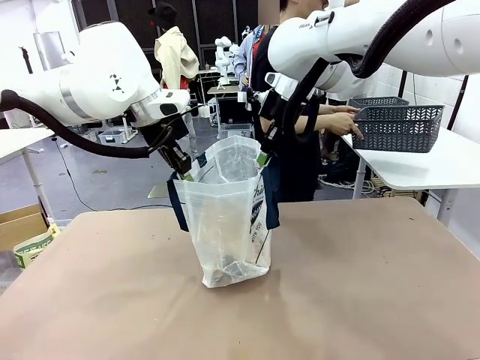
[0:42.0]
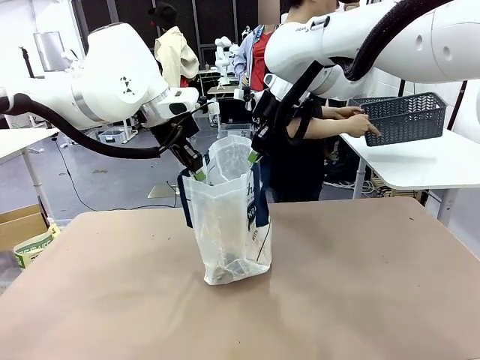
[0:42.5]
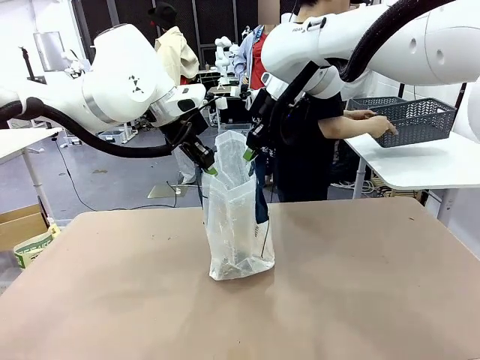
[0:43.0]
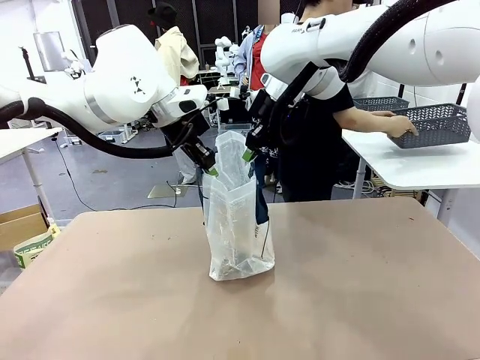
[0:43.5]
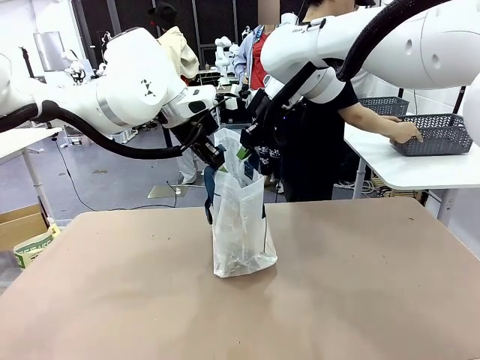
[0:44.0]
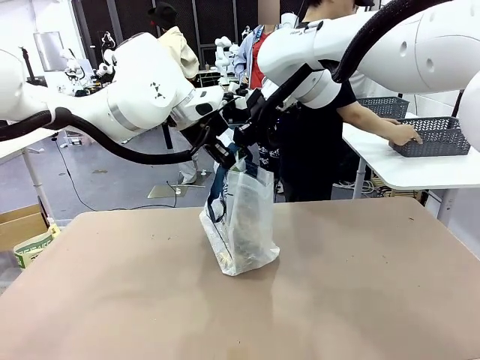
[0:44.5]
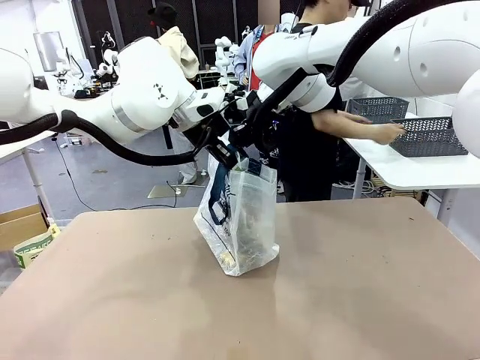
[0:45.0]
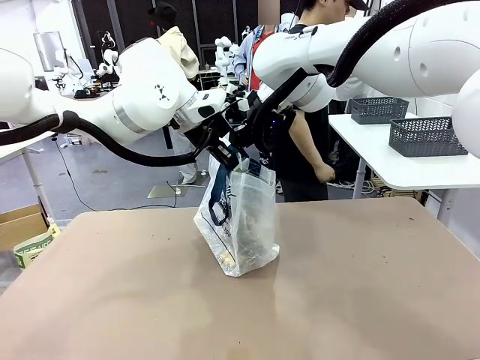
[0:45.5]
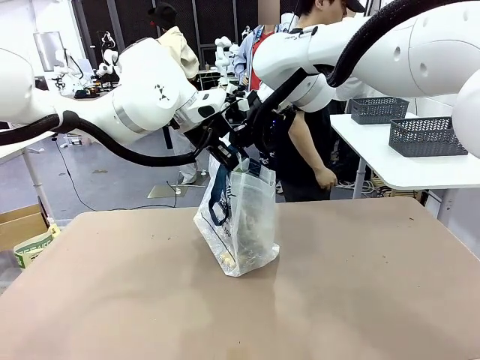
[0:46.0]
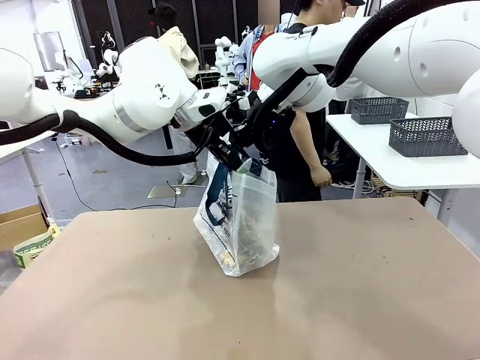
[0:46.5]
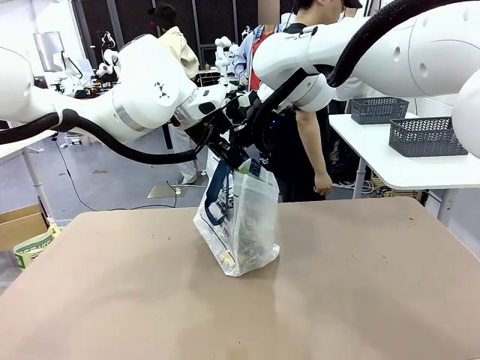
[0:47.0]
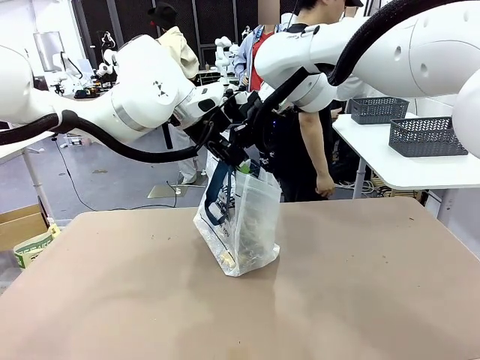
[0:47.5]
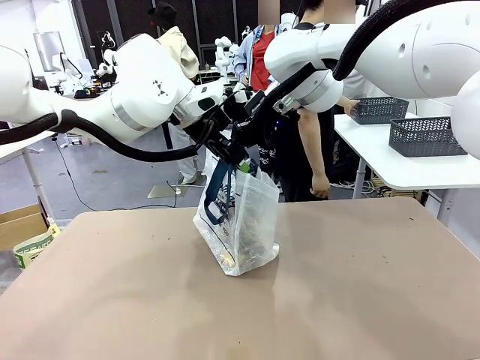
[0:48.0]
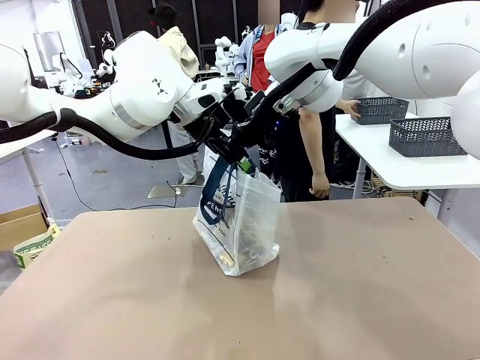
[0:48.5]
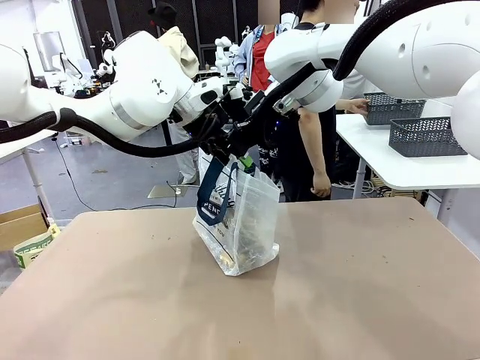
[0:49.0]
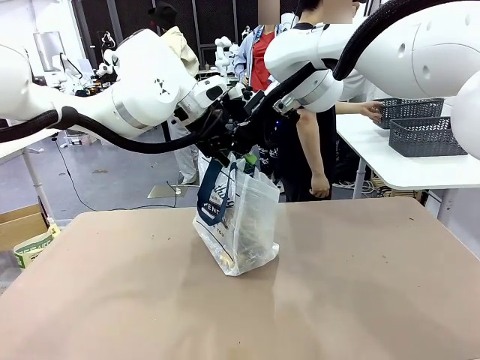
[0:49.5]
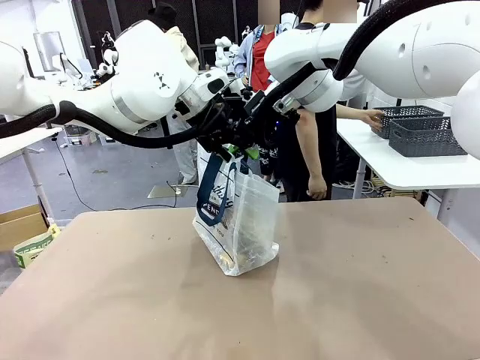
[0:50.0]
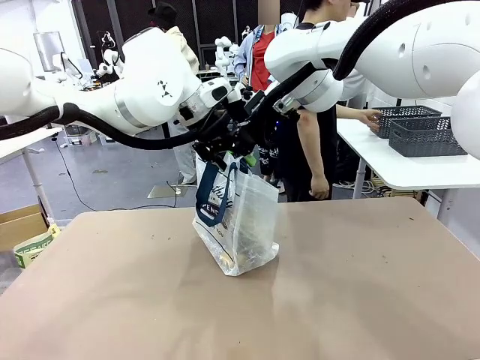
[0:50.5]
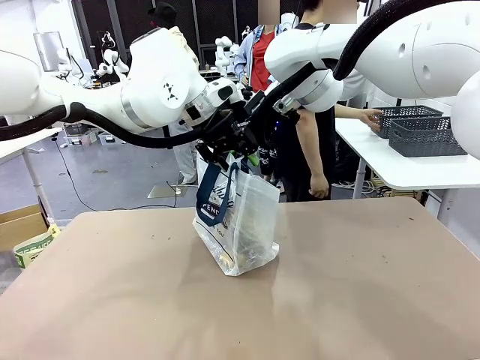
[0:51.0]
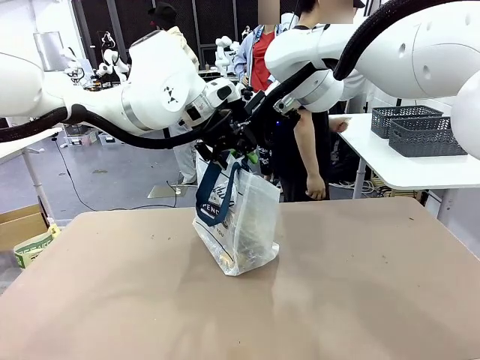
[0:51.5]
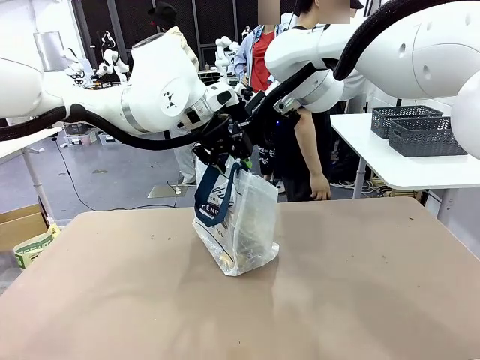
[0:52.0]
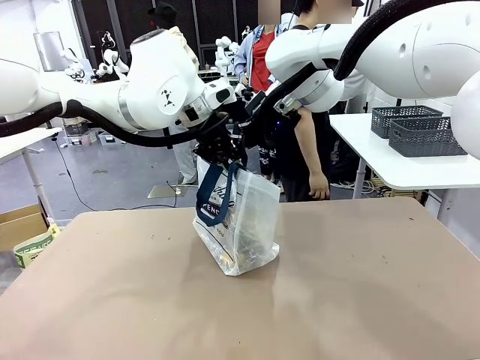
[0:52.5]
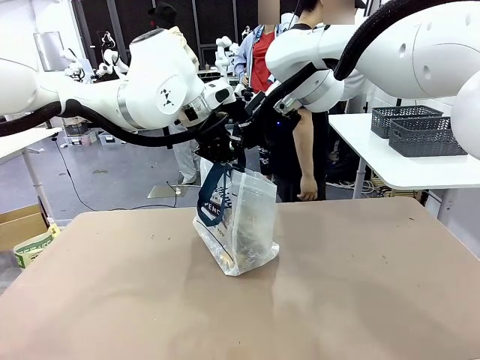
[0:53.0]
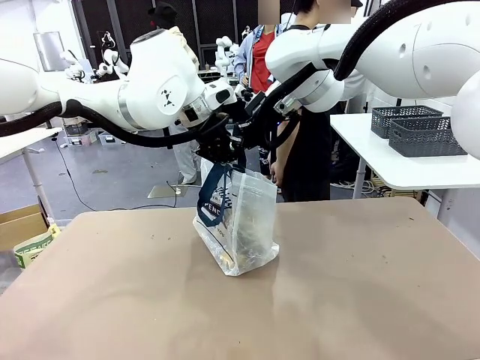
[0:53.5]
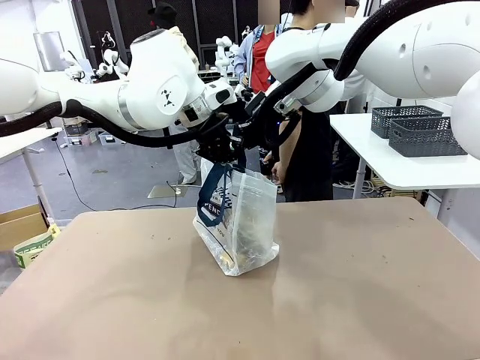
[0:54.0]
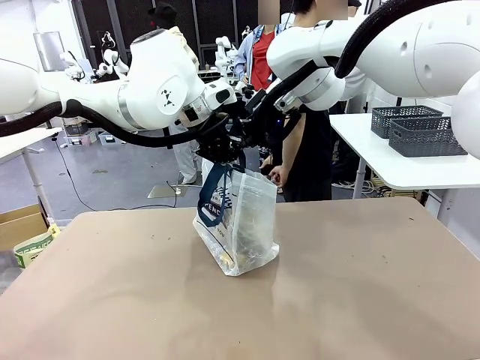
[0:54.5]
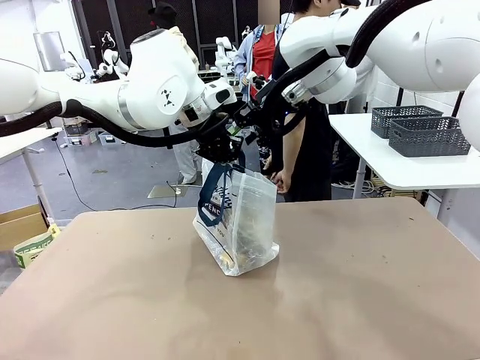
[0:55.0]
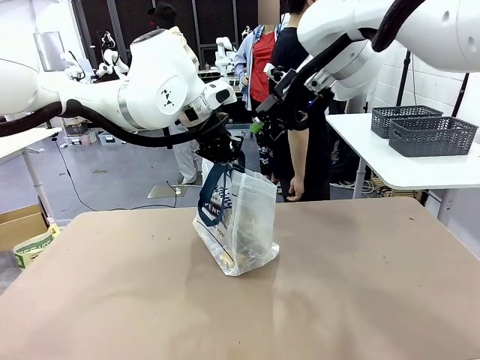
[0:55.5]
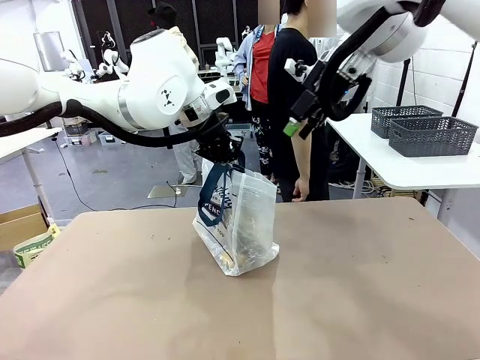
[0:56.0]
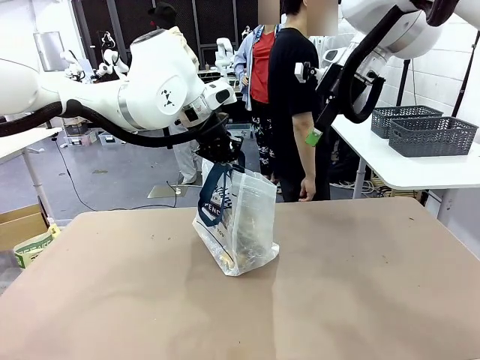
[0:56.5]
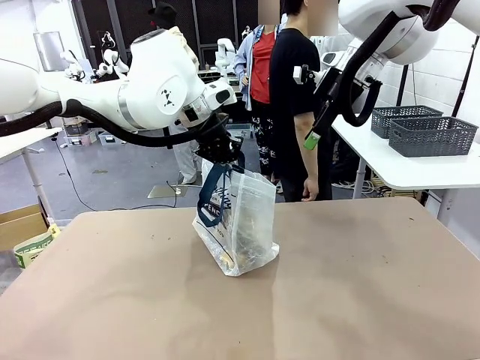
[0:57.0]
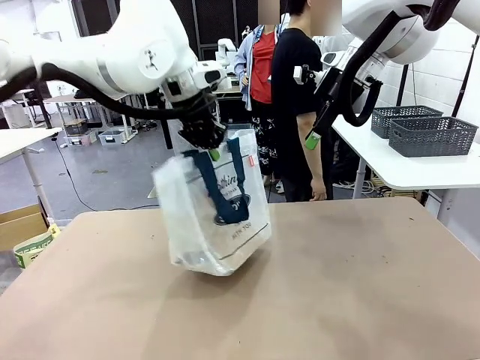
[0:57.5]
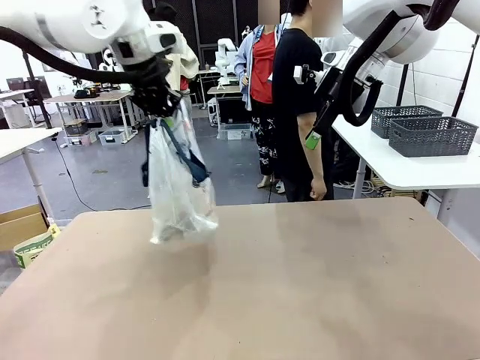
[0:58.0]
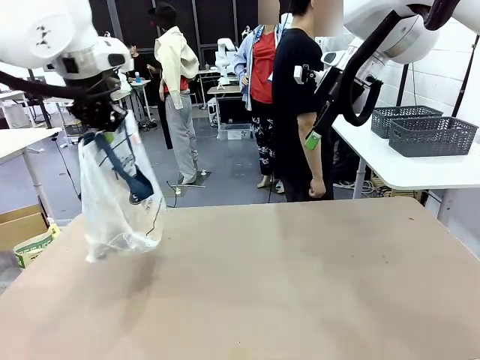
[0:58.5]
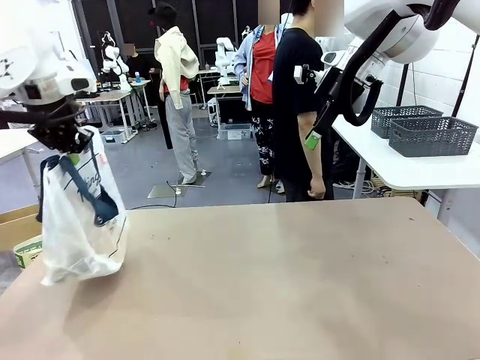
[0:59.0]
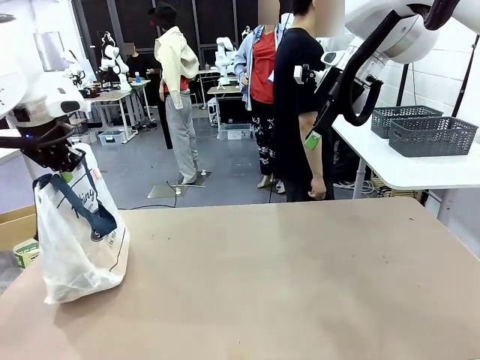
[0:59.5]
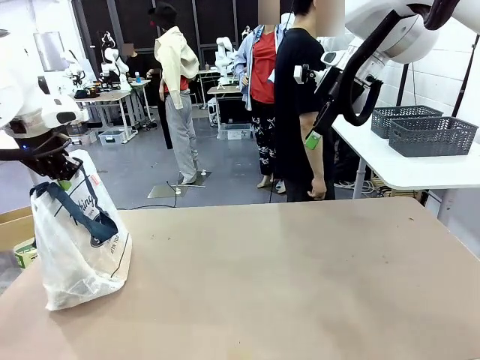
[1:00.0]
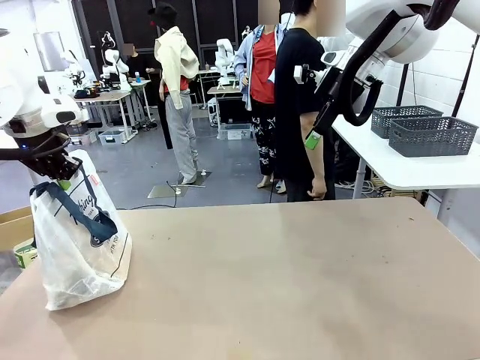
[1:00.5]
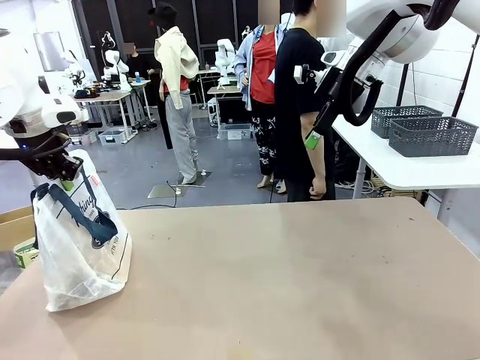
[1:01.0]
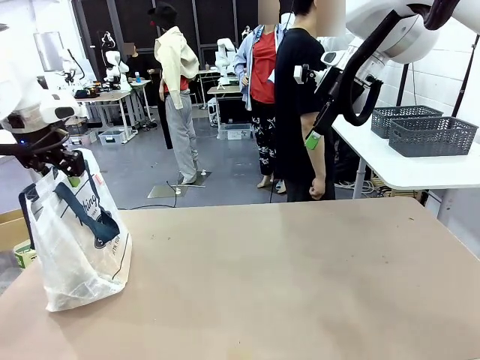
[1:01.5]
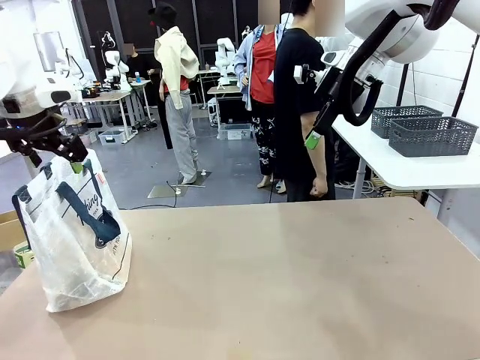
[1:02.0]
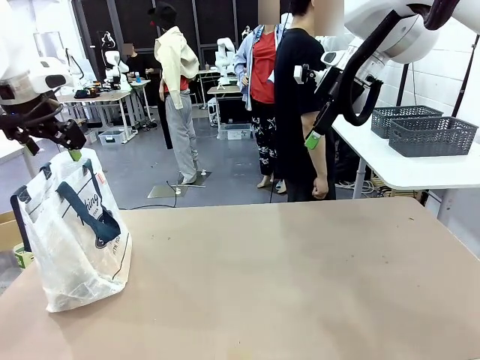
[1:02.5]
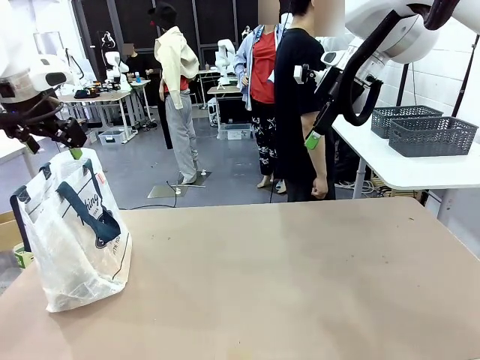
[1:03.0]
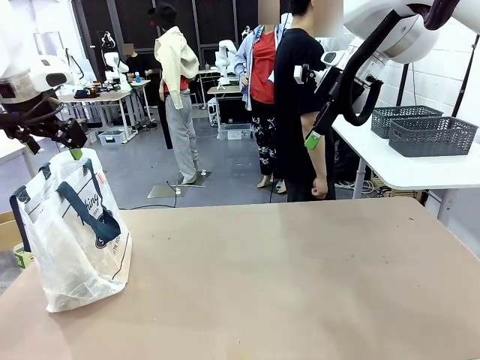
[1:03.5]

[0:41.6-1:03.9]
Task: Transfer purchased items from the store into the shopping bag.
Robot: Move the Reusable shopping bag to the right side of the table.
Person: Move the basket on the left to the middle of the person's table.

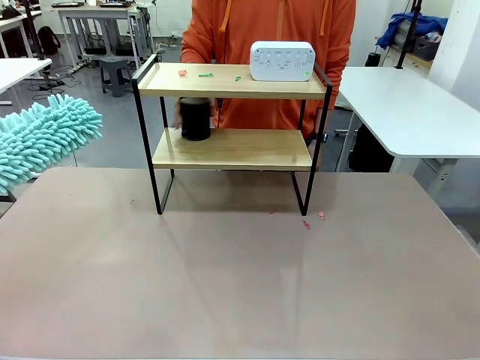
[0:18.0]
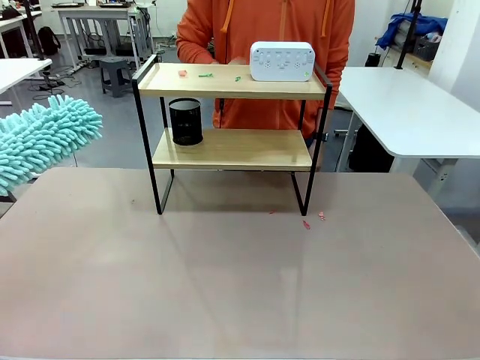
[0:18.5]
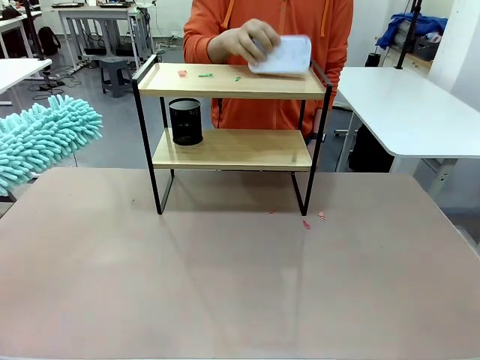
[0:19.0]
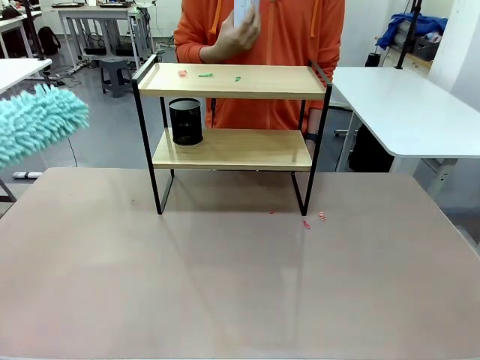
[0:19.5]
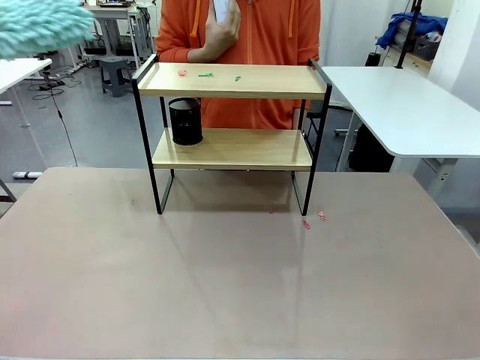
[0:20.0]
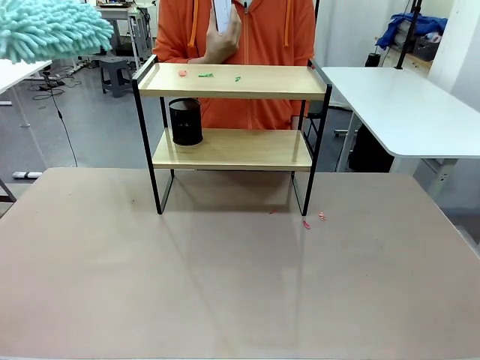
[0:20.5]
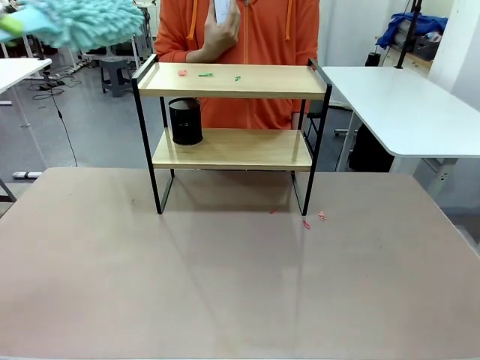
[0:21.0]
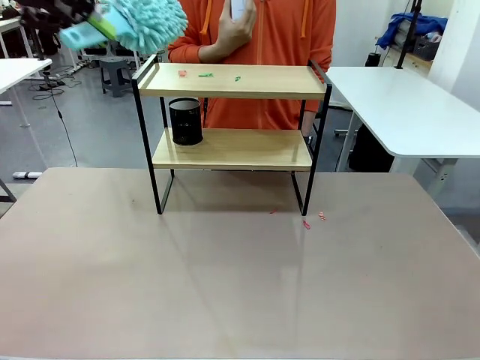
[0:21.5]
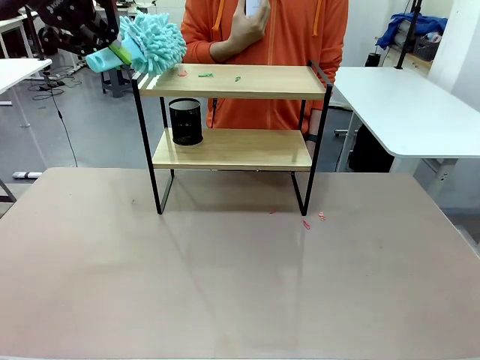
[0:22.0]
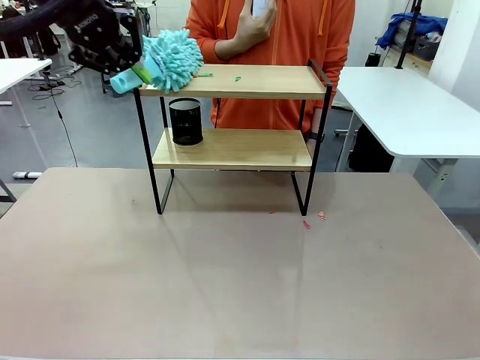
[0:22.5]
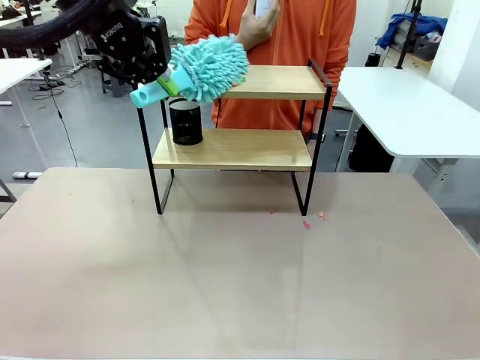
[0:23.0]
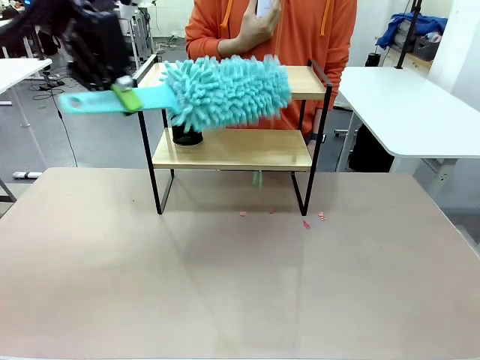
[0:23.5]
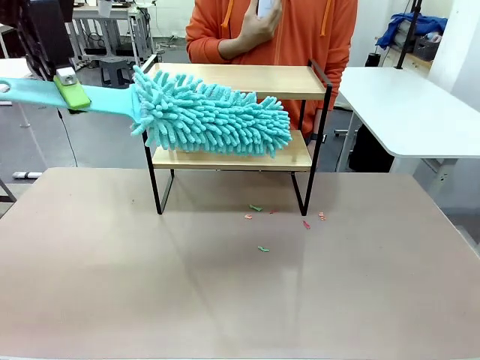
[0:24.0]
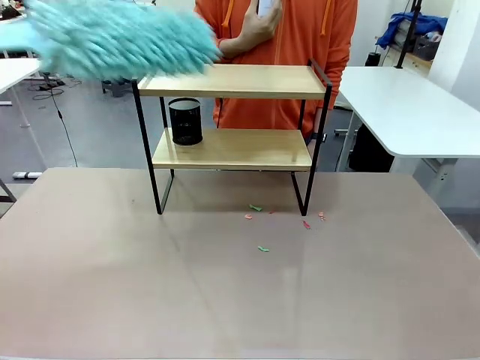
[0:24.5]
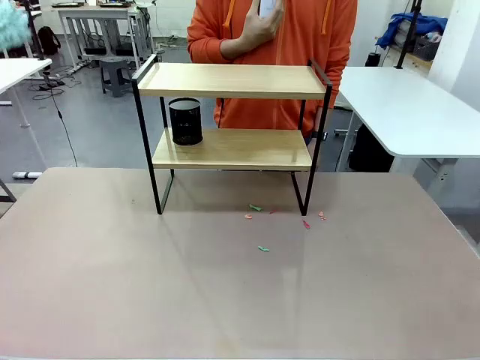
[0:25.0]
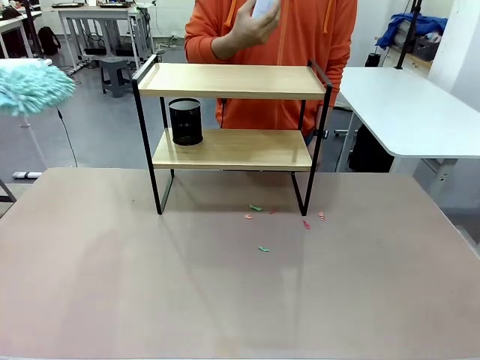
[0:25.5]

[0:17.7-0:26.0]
Task: Clean the shelf.
Robot: Clean the remaining tier of the Shelf with the Duster once objects are removed.
